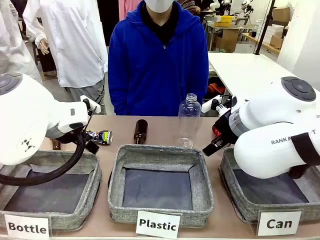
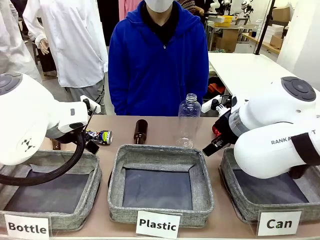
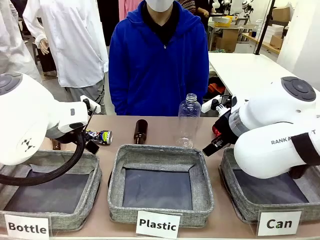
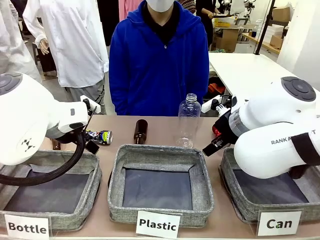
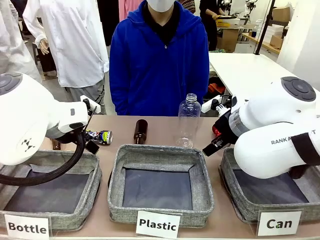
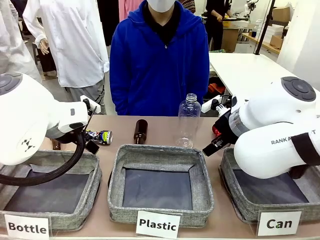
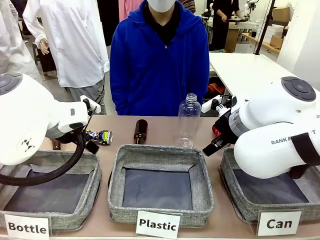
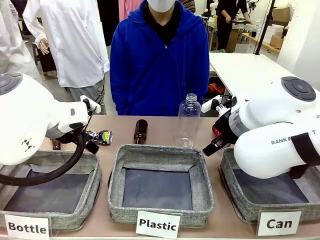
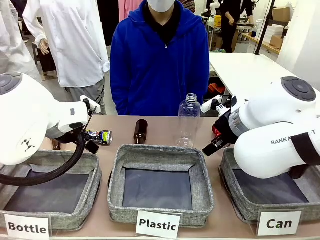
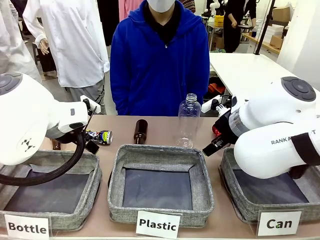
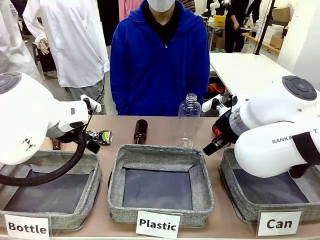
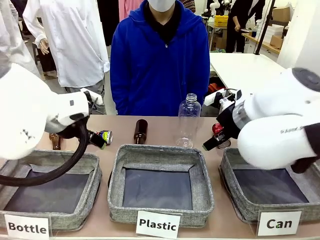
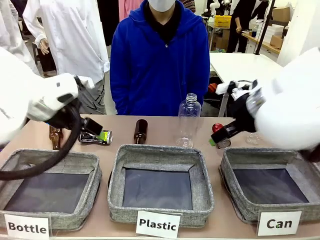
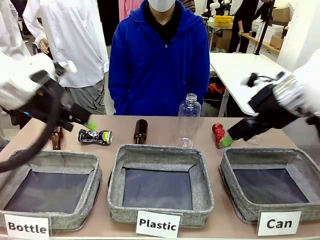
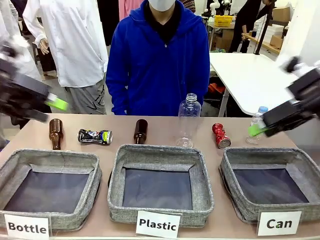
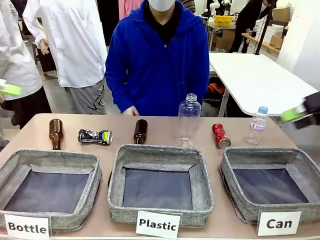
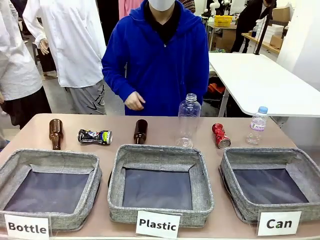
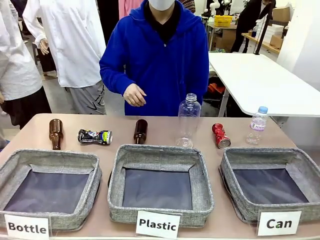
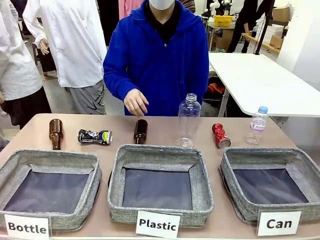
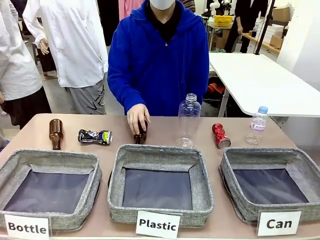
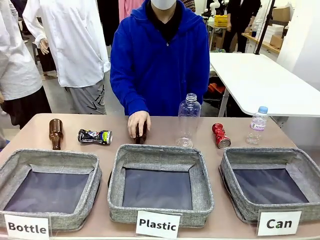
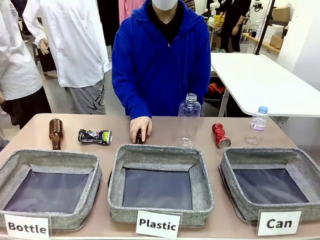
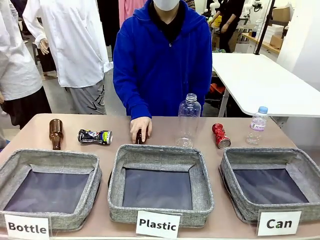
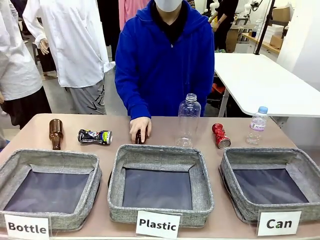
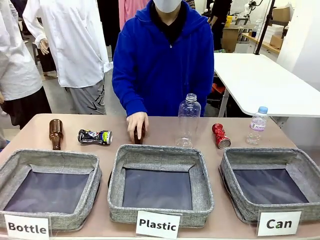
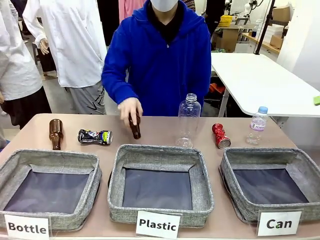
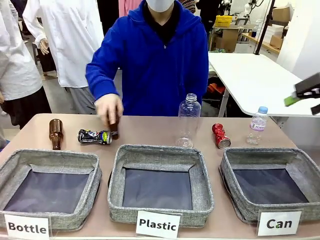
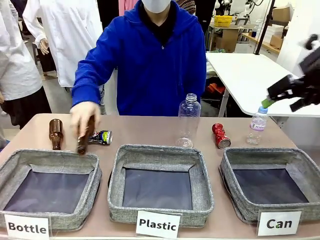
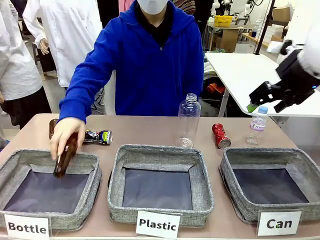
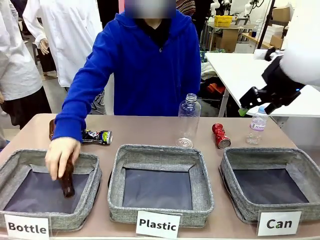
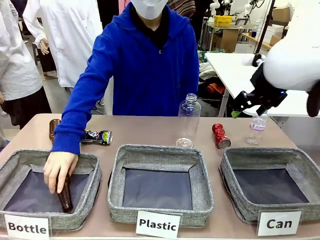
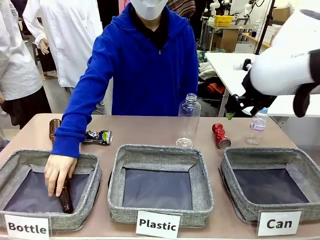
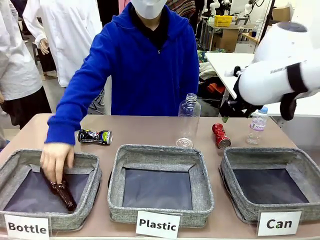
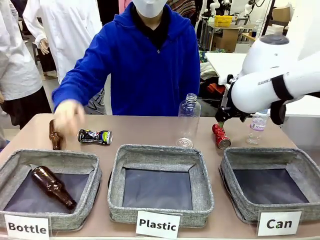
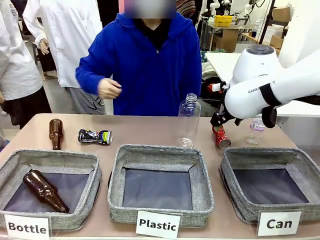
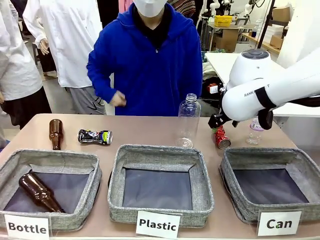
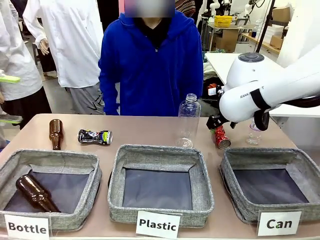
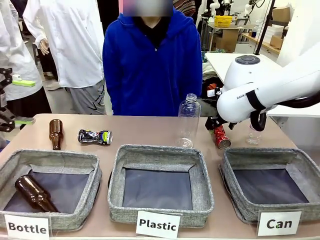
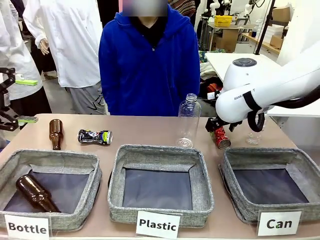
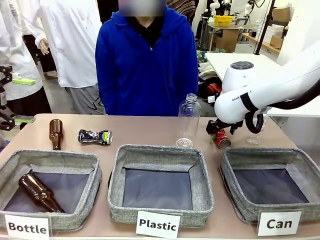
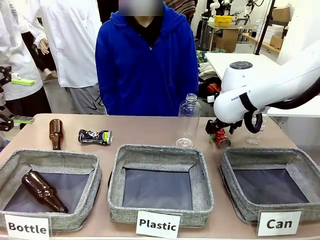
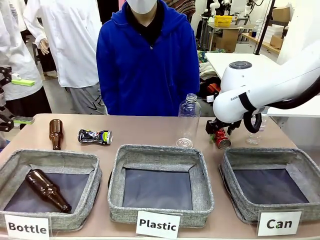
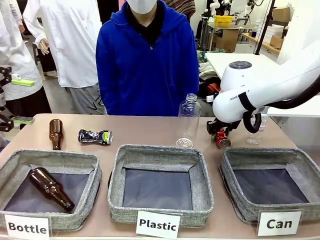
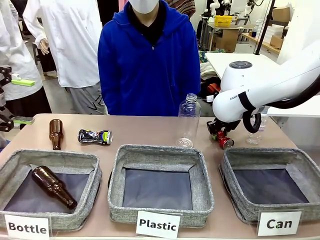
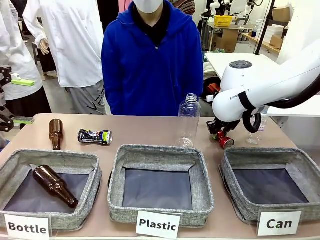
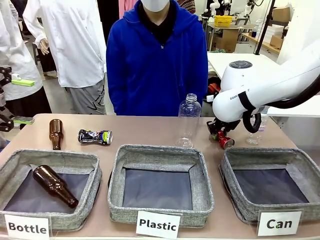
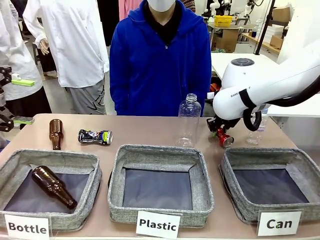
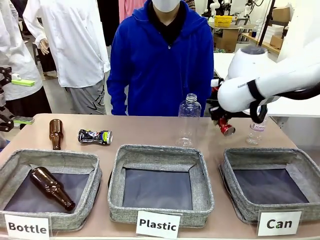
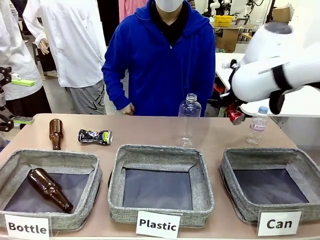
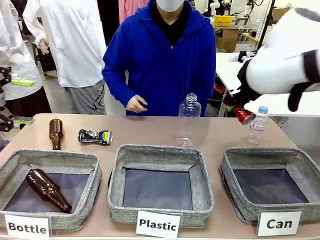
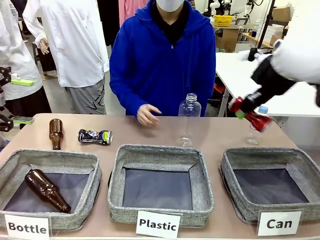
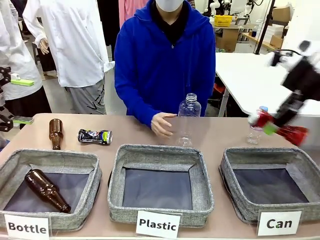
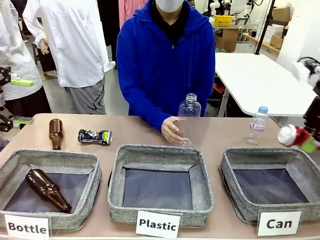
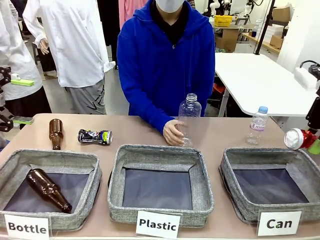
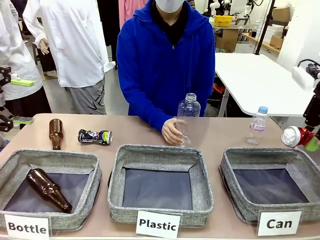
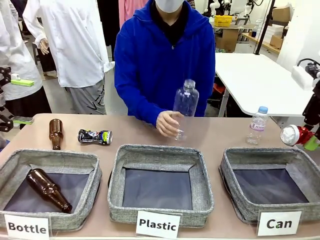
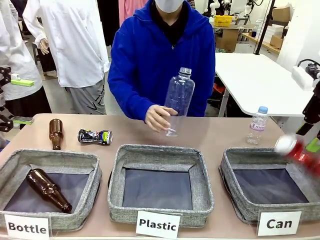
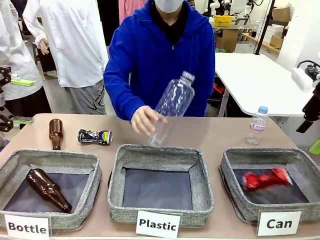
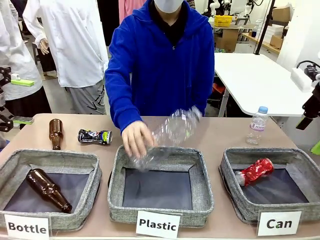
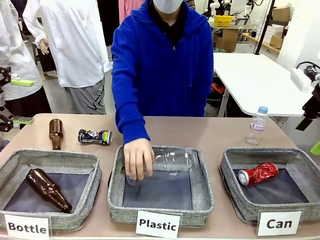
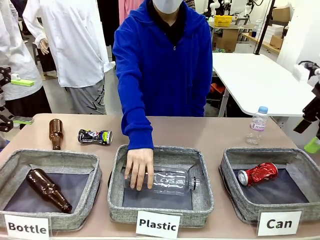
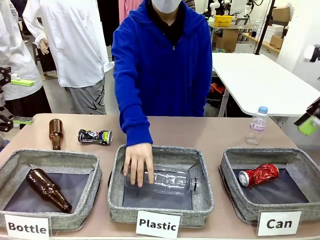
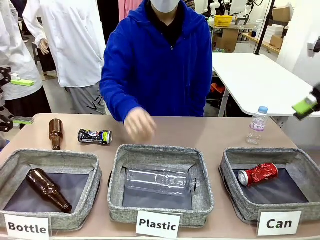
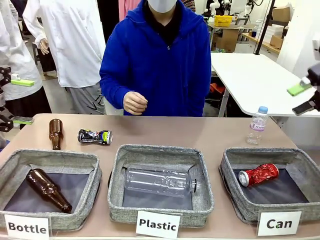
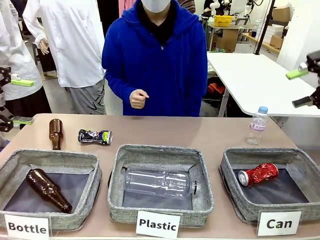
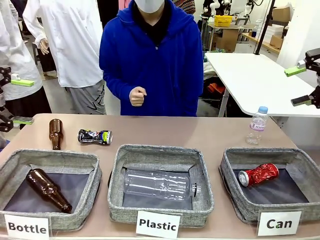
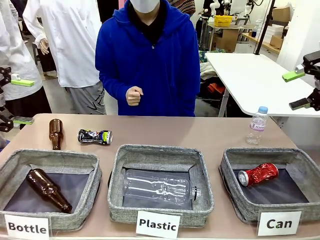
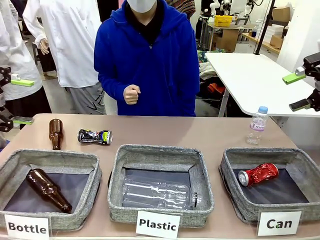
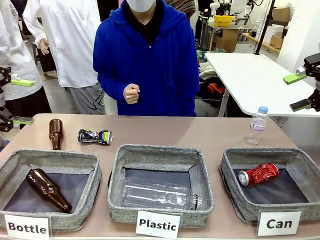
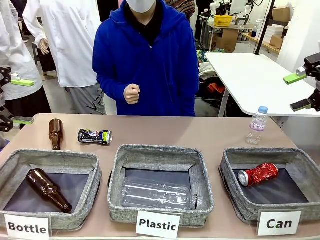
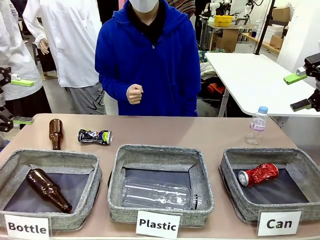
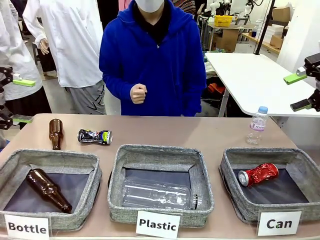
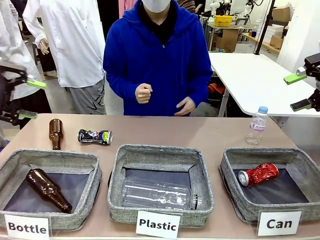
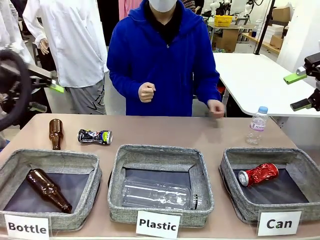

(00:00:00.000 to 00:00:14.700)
Task: Sort the can waste into the basket.
Robot: Pick up the can waste from the table and place it in the right Fabric basket.
